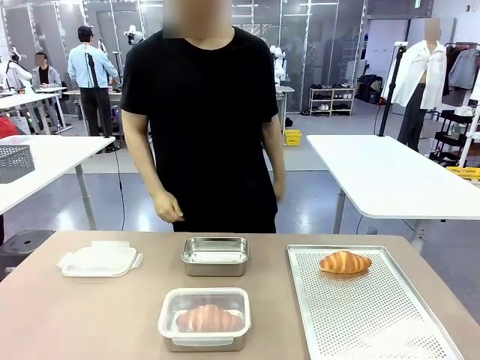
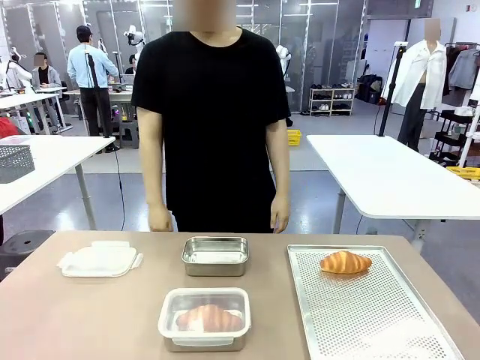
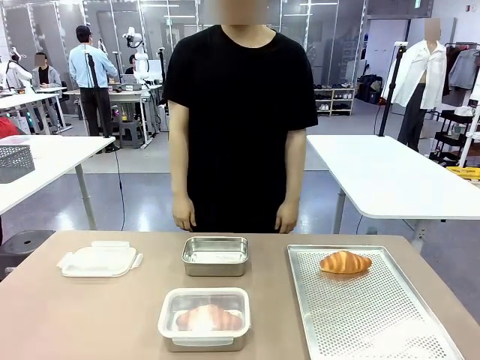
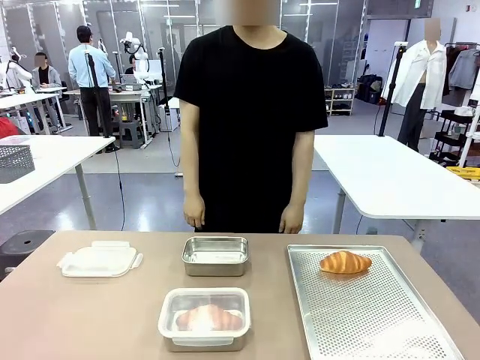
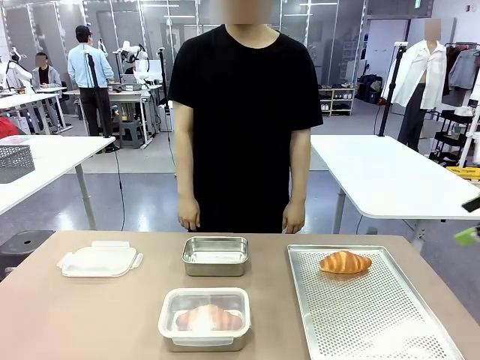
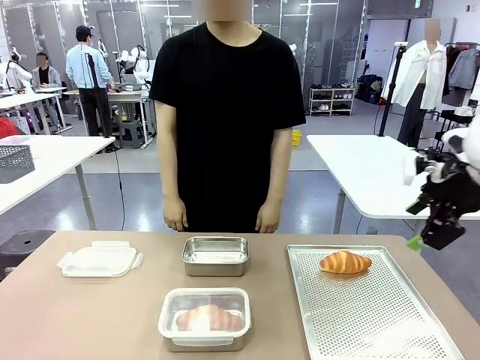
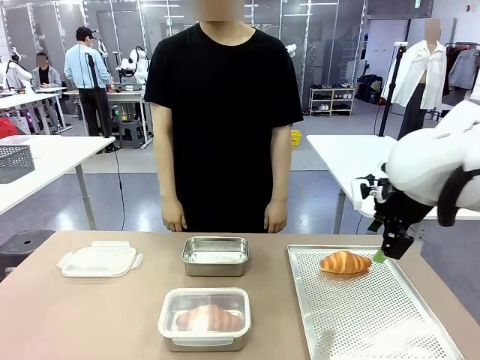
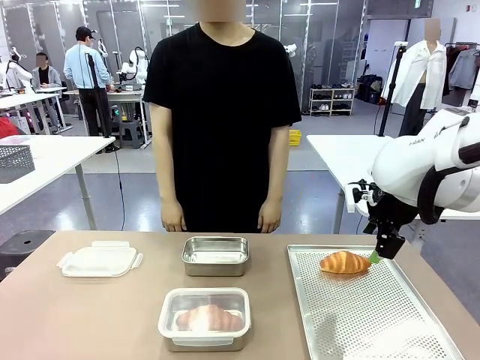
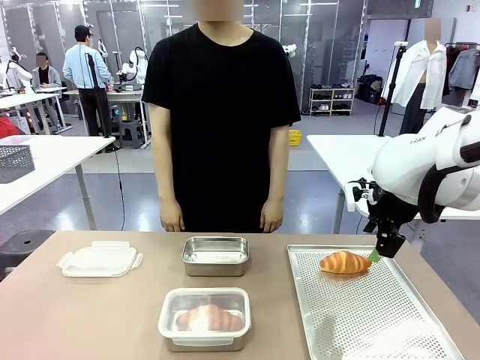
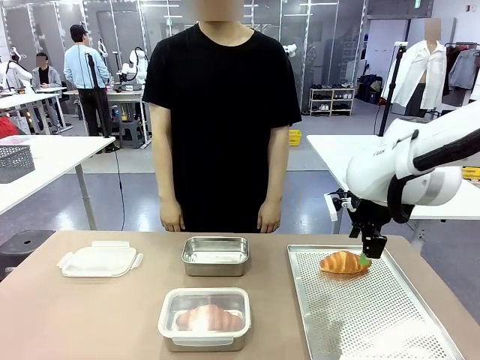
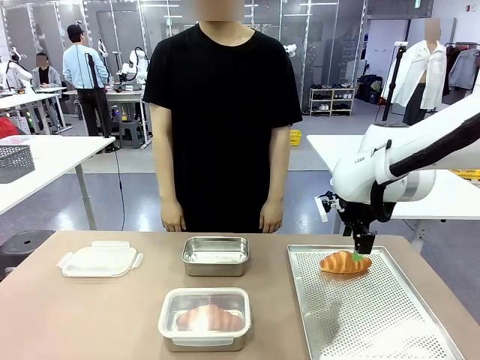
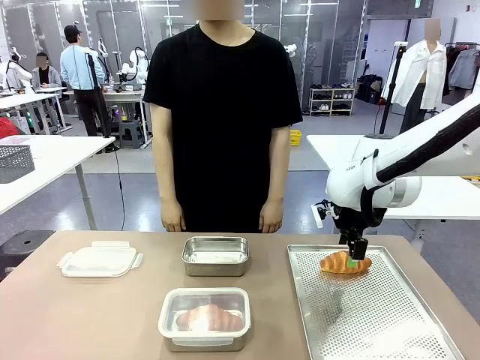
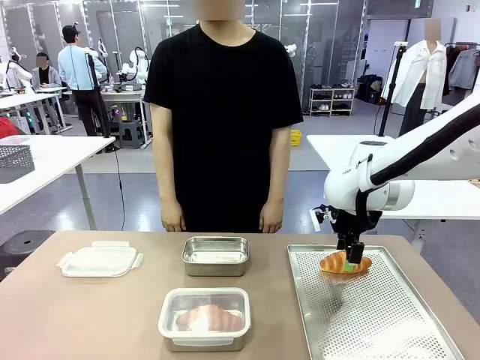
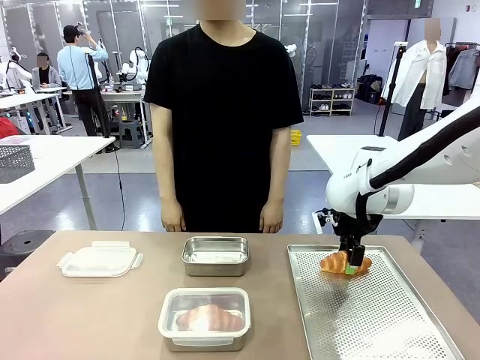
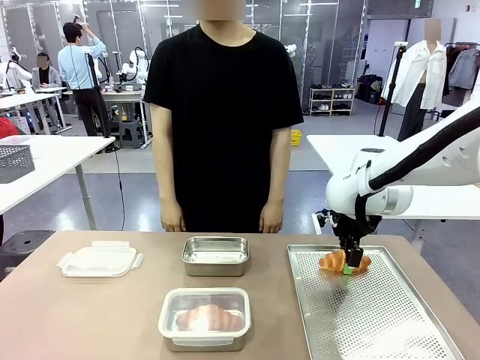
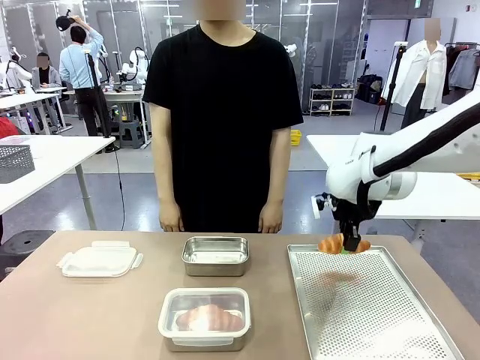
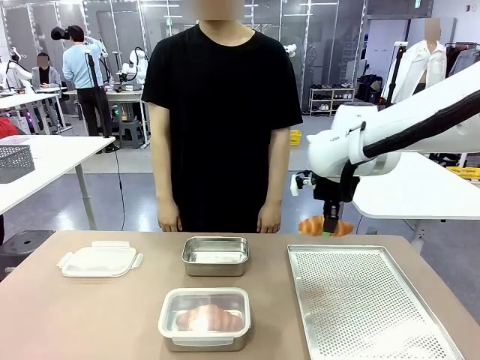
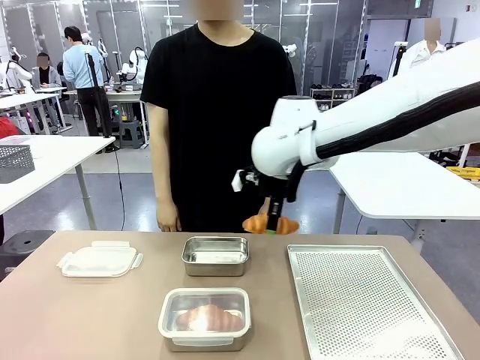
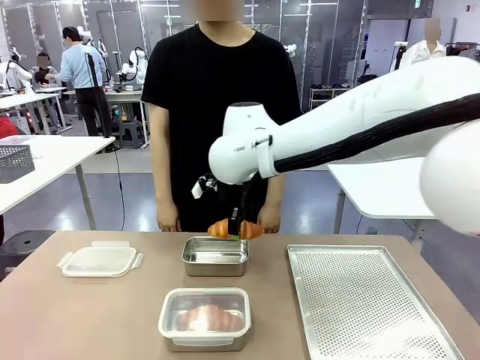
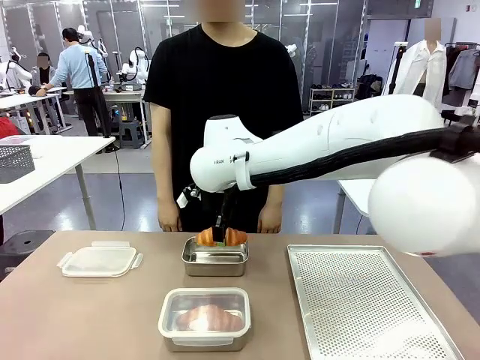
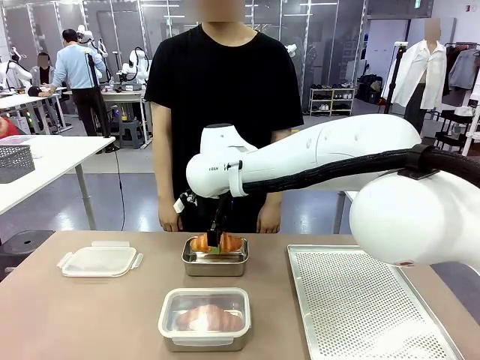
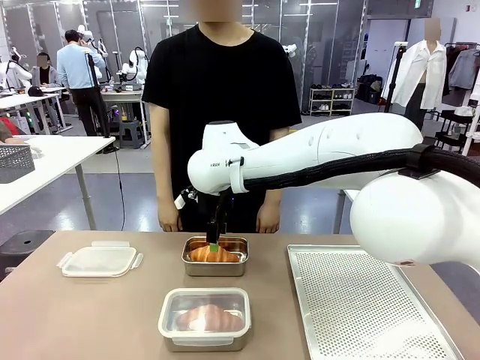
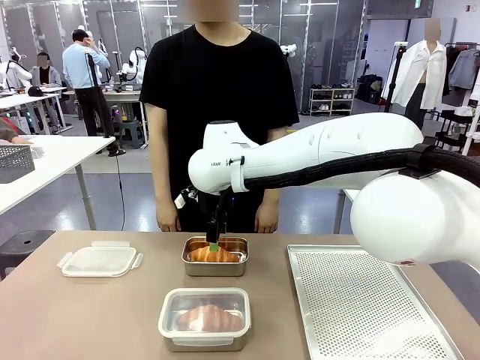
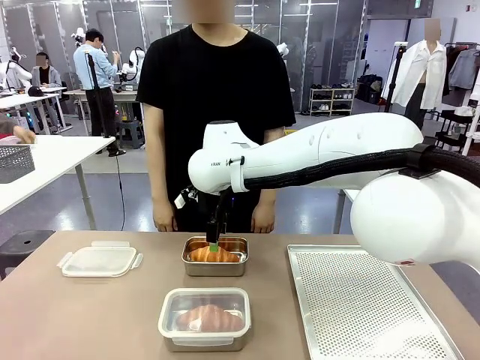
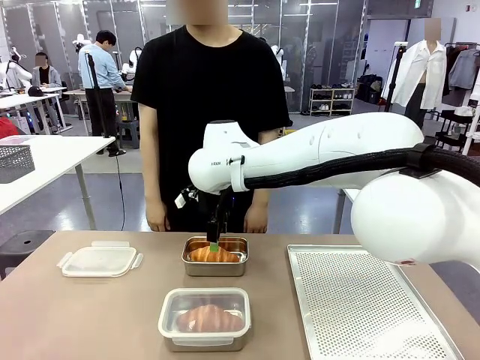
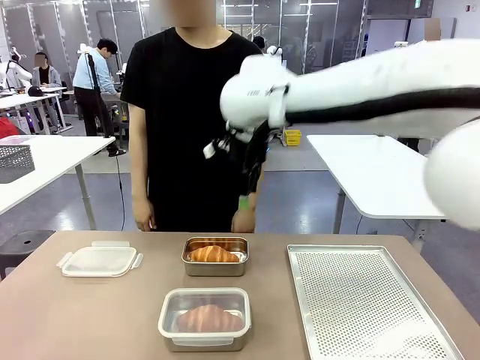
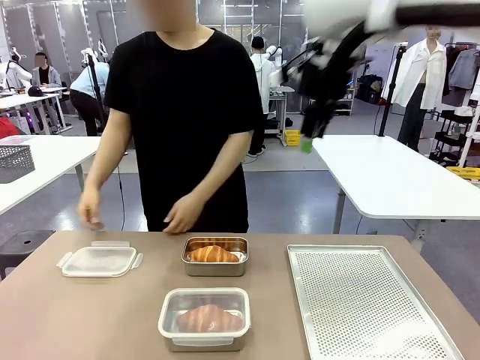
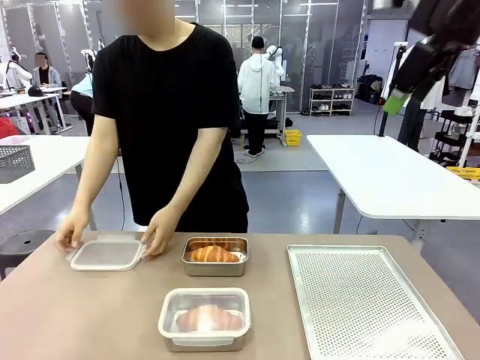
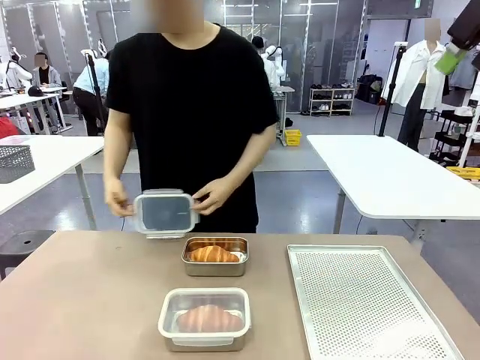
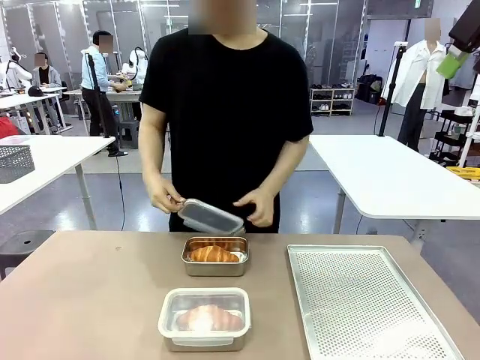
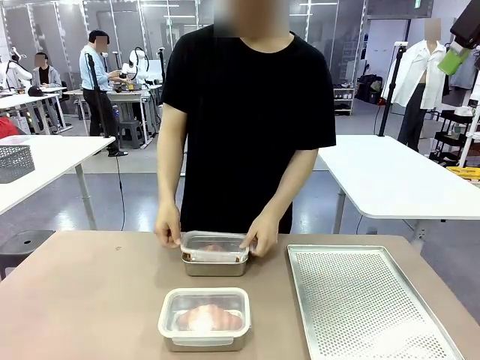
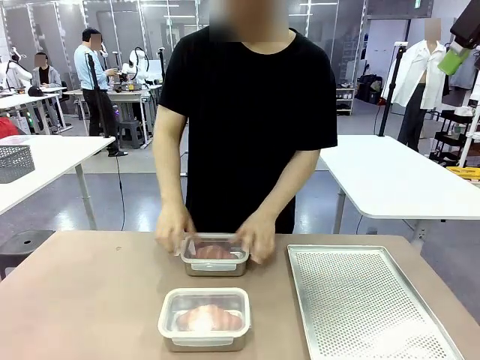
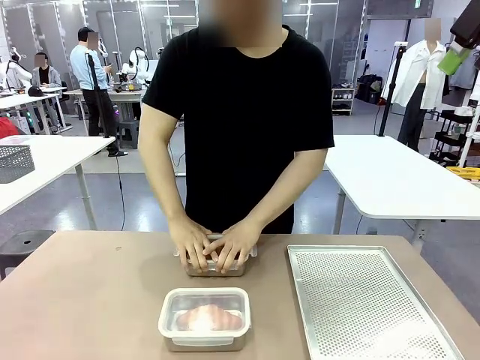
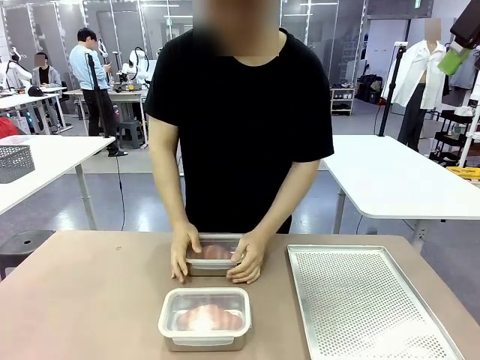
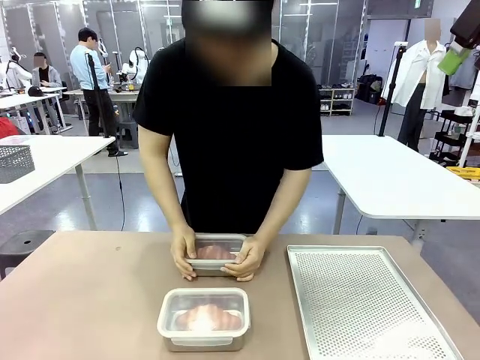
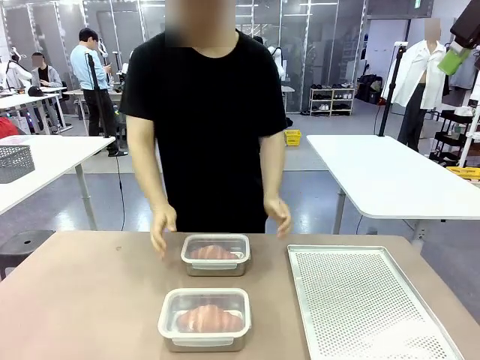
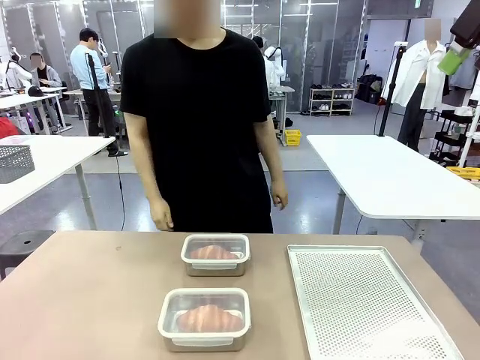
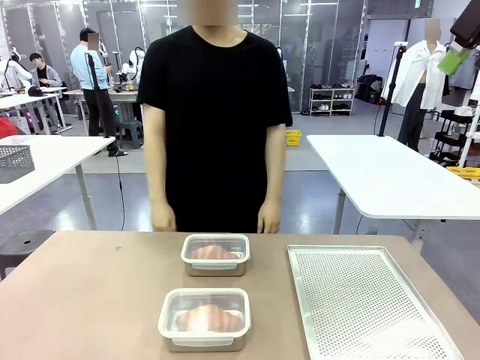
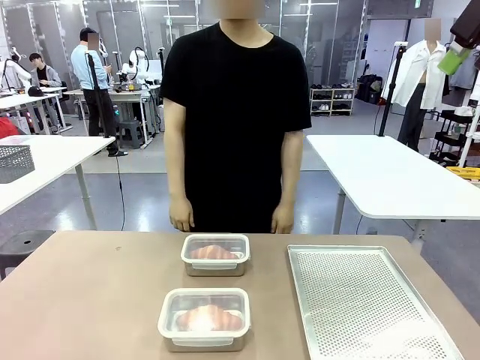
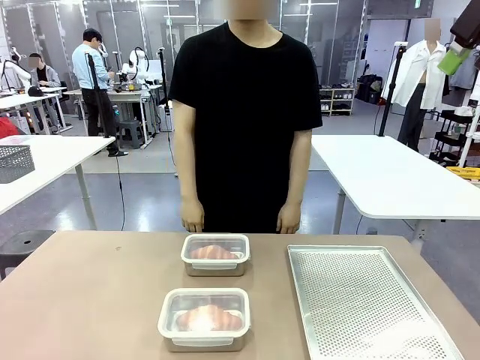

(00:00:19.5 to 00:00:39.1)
Task: Place the bread into the airtight container.
Robot: Pick up a Butter Roll and place it into an empty Airtight Container.
Person: Once a Butter Roll is inside an Airtight Container , close the lid of that Airtight Container.
